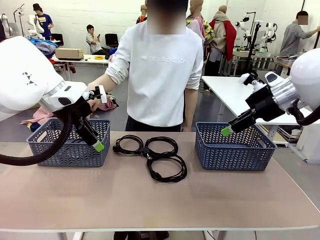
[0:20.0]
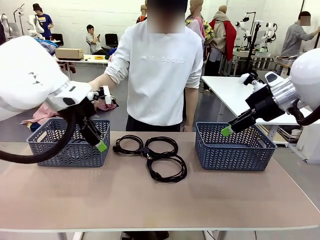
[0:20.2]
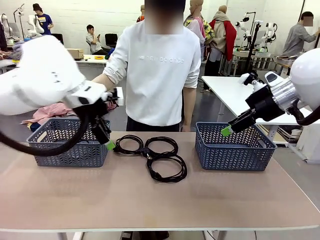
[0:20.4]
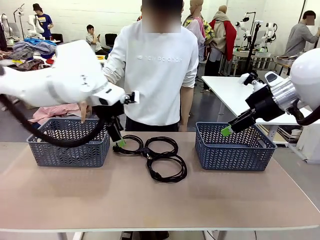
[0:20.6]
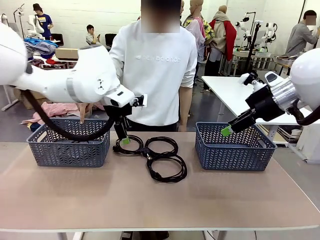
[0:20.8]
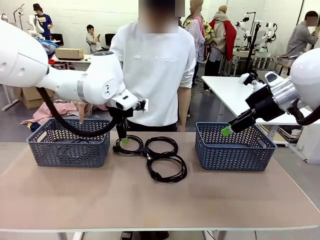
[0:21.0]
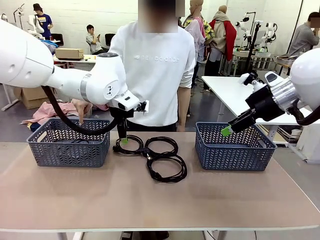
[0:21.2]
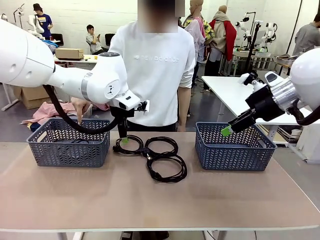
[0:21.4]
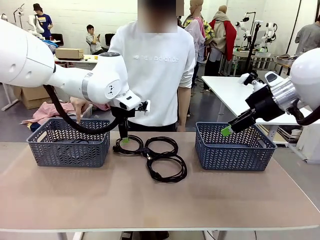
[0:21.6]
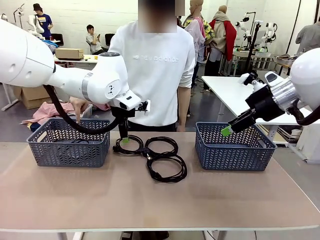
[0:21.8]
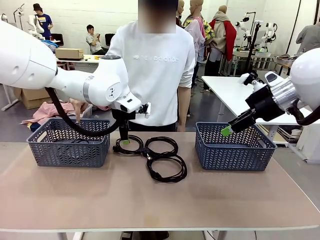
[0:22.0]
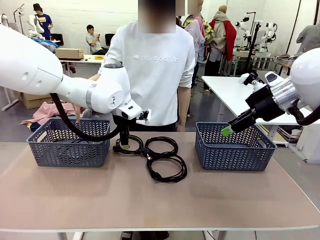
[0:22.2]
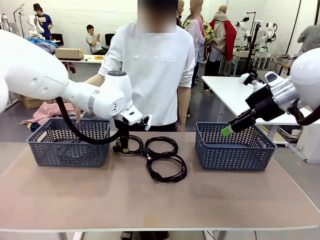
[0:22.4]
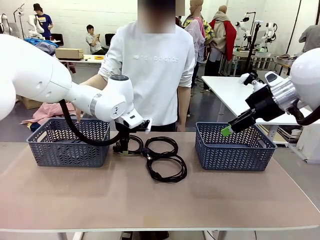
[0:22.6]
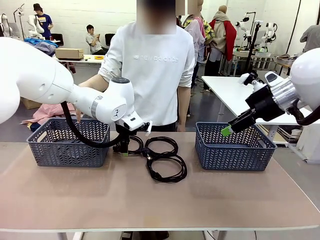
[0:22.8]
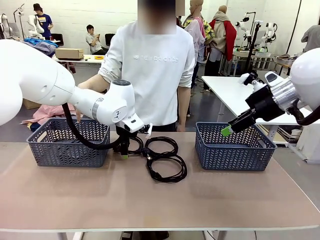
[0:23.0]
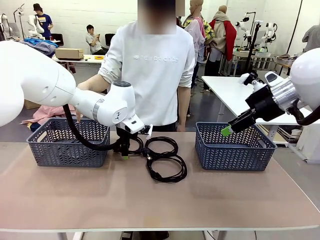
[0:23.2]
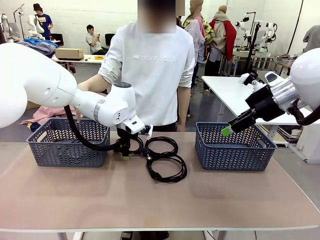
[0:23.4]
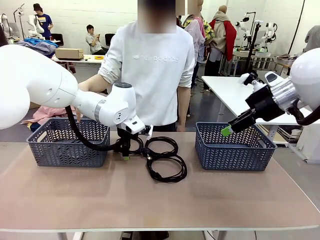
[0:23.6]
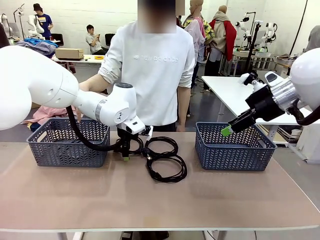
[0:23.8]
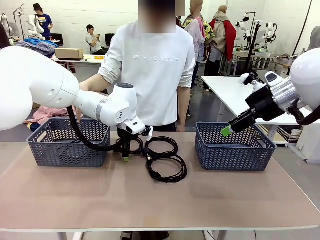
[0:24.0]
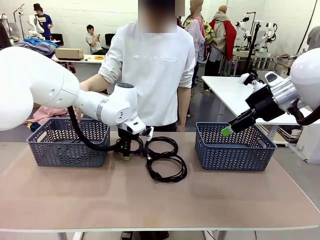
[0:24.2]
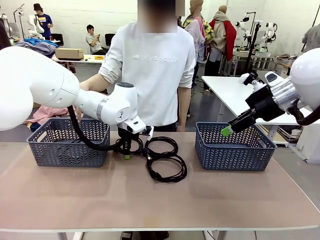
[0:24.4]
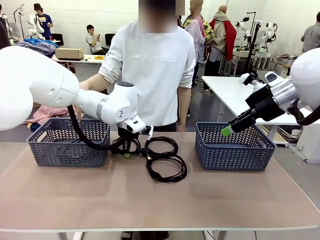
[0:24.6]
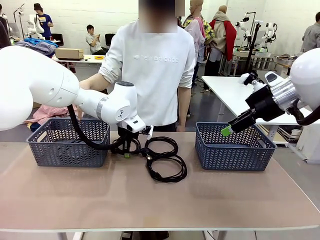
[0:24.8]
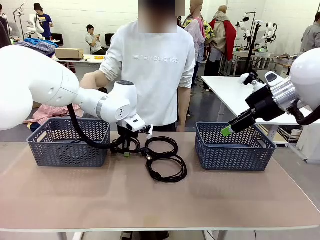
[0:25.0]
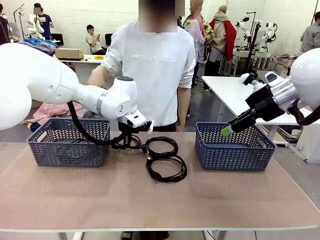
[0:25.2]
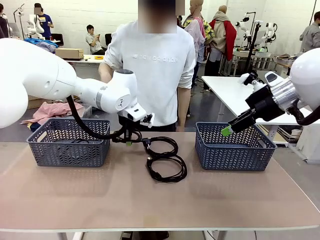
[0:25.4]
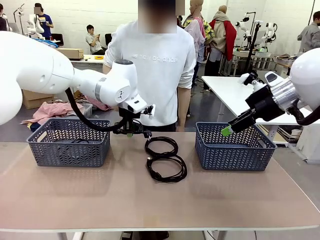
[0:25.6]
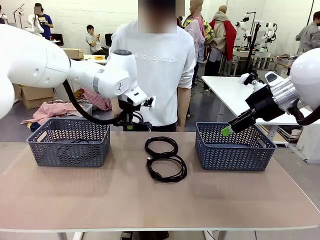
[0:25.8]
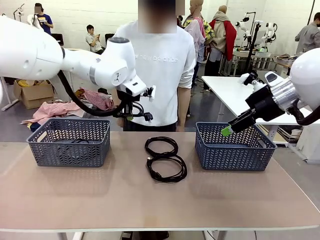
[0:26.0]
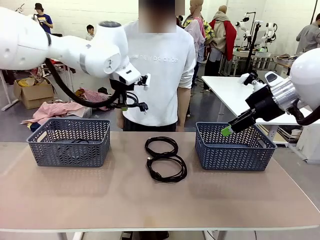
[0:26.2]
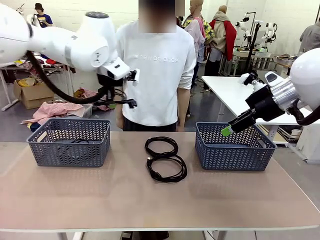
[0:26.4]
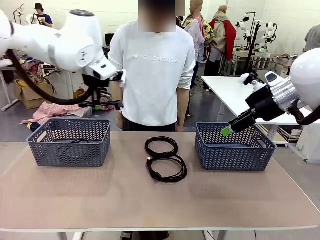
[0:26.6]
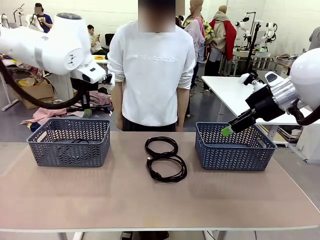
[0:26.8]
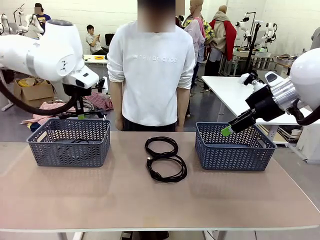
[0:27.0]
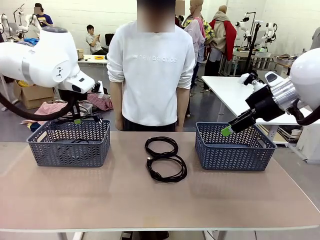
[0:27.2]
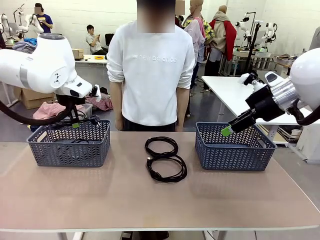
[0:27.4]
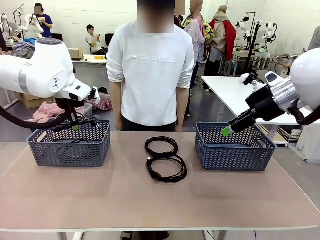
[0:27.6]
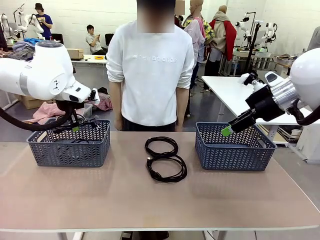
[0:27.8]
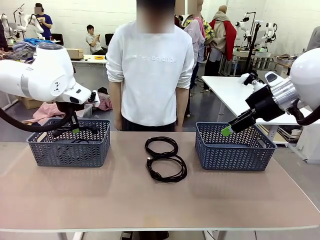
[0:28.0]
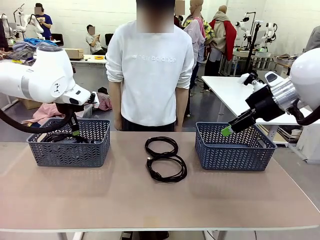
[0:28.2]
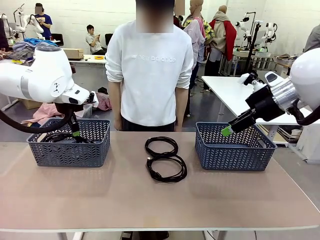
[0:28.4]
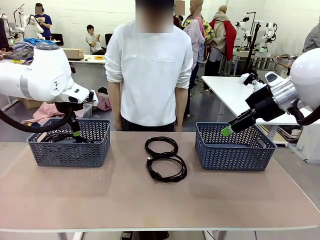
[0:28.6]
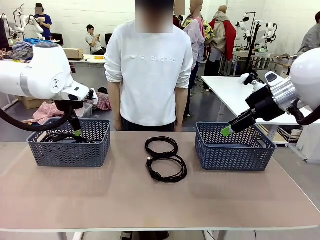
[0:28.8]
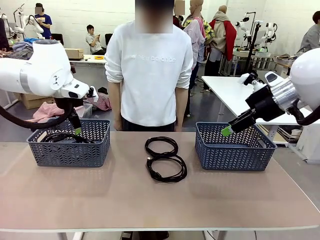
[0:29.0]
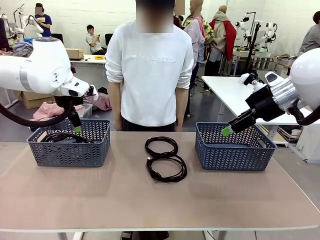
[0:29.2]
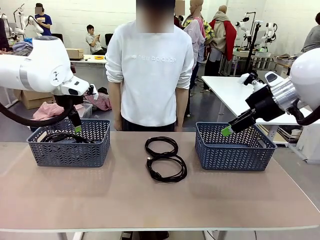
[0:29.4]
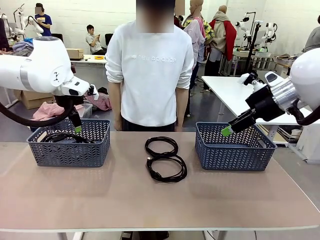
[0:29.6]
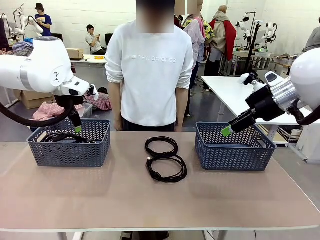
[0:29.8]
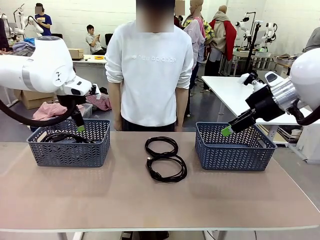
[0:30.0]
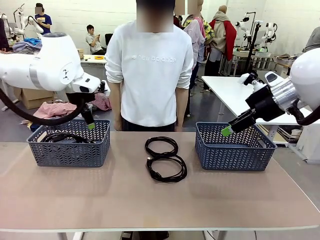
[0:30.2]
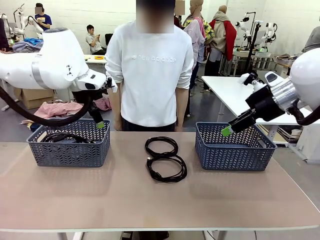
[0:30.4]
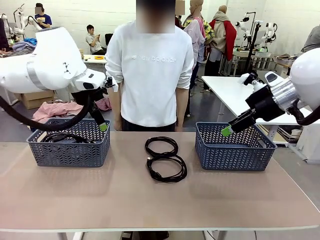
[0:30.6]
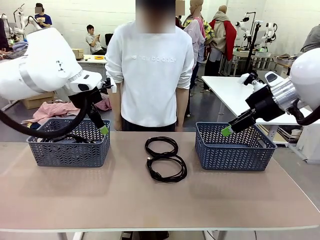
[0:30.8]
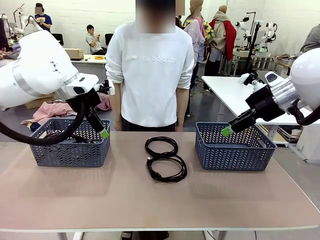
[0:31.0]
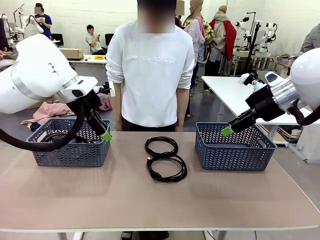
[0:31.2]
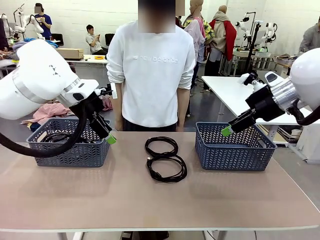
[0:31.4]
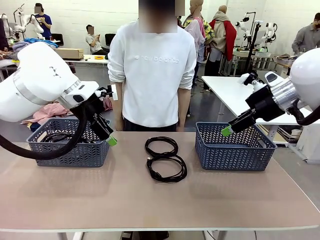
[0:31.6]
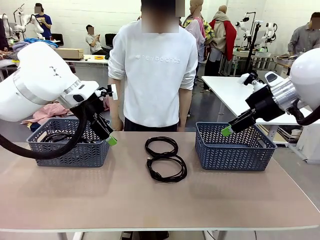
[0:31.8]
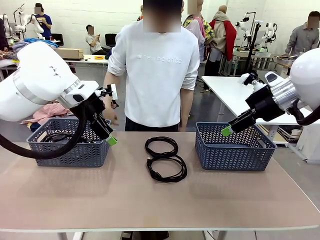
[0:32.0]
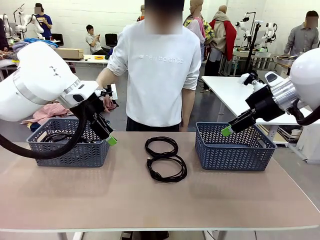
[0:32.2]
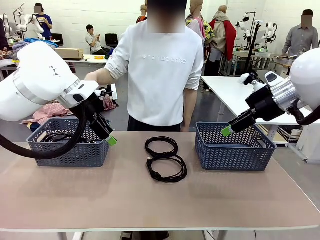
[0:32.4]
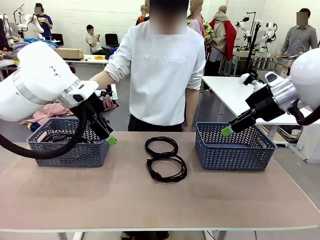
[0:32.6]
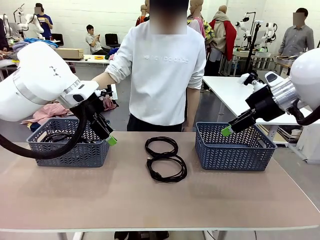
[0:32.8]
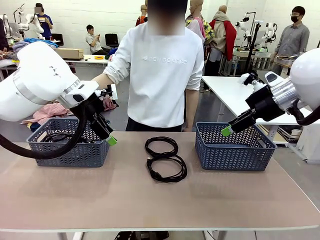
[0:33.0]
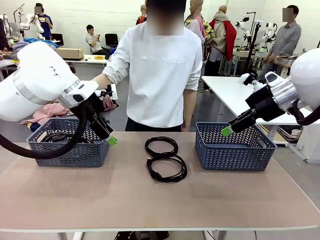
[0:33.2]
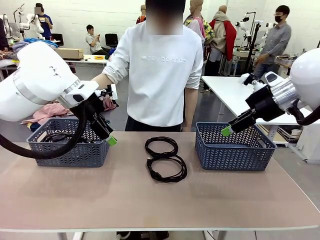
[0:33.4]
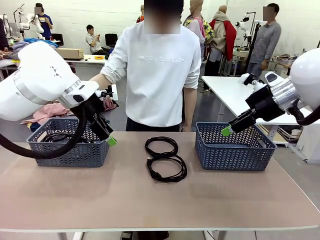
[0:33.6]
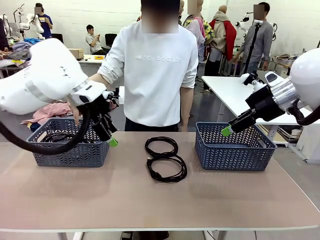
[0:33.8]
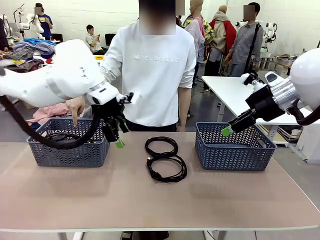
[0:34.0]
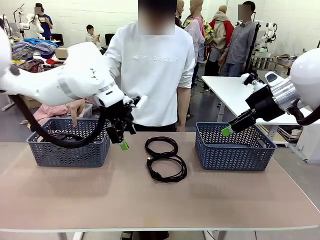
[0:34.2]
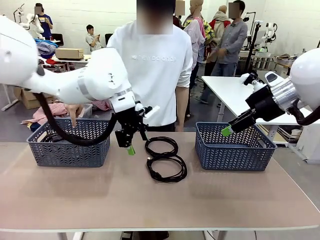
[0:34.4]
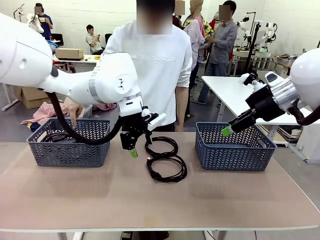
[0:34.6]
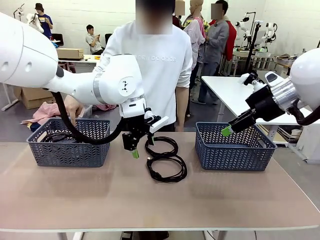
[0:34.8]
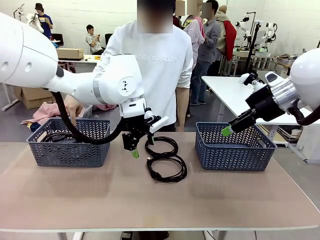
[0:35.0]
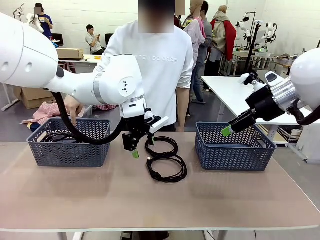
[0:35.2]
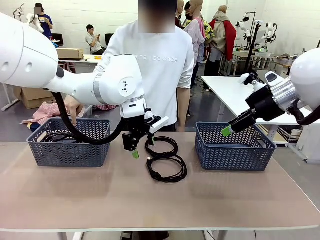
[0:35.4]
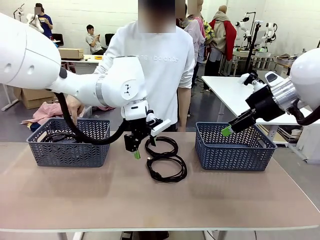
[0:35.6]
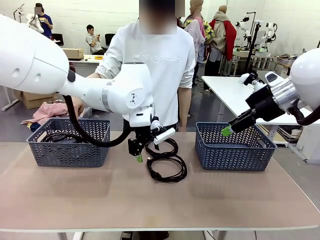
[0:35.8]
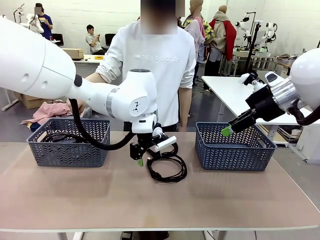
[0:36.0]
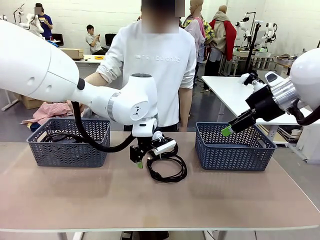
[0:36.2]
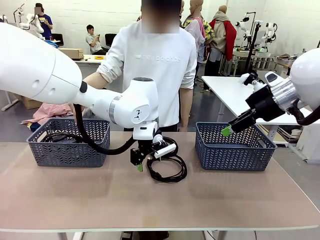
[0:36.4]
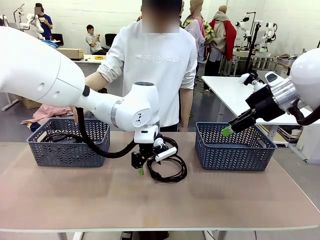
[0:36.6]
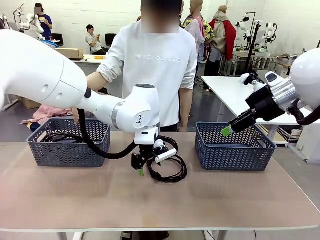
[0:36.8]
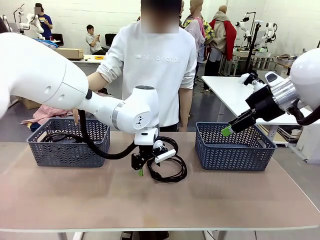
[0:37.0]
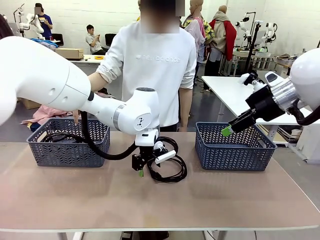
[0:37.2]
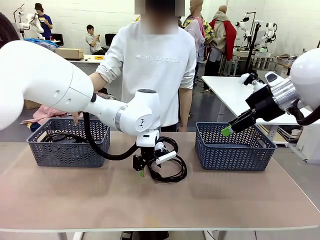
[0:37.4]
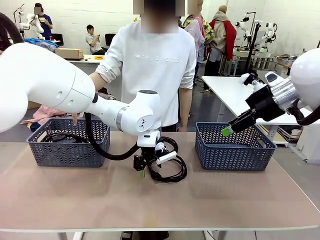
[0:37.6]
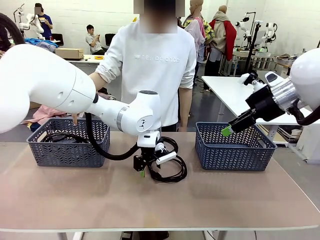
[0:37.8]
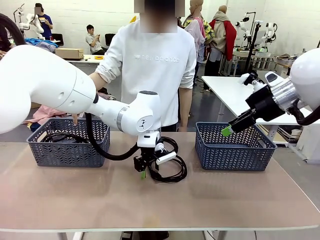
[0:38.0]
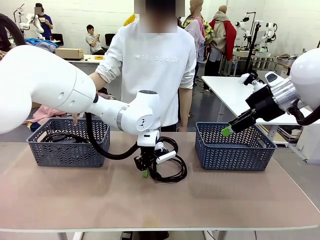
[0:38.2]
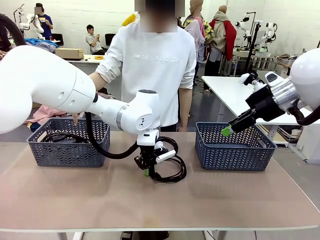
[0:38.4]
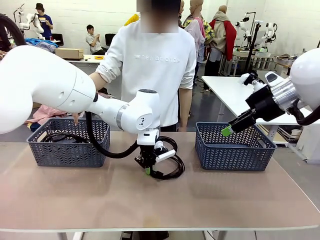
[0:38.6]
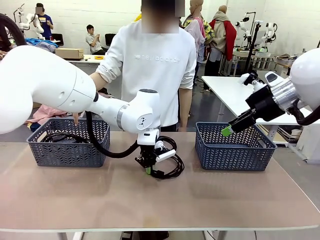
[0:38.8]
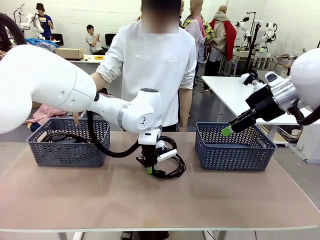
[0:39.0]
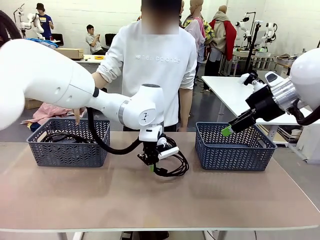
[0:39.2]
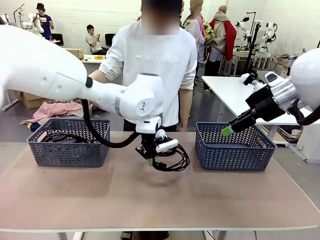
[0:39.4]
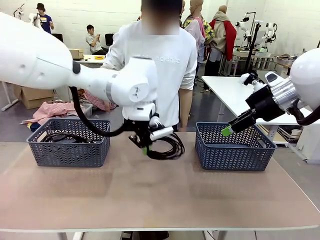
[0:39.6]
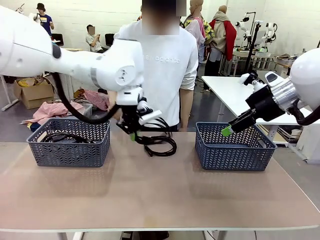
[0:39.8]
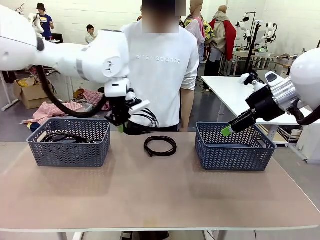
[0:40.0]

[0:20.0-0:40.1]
Task: Organize the cables according to human instructions.
Robot: Pick up a bundle of cables and place it in the basket indicated by the human.
